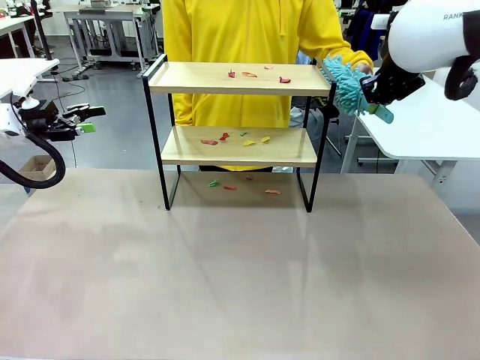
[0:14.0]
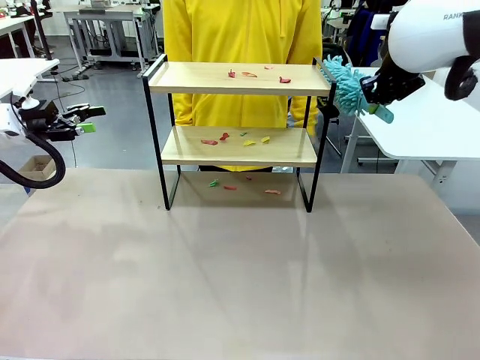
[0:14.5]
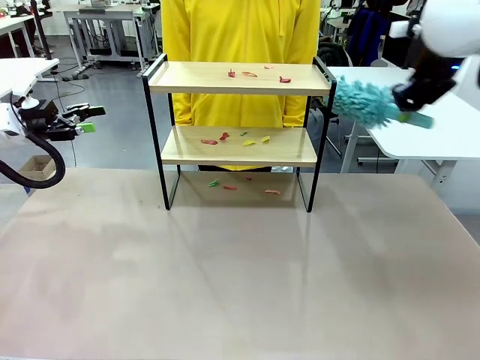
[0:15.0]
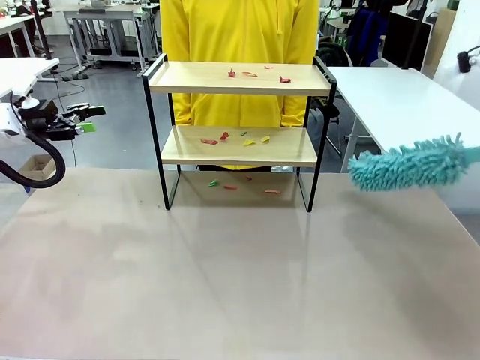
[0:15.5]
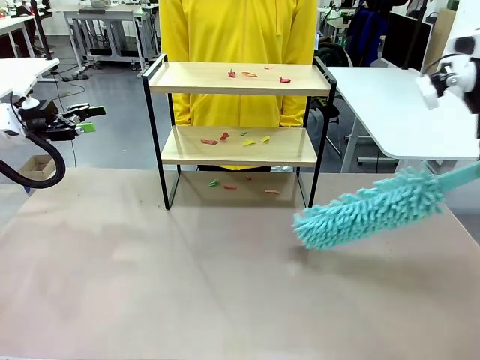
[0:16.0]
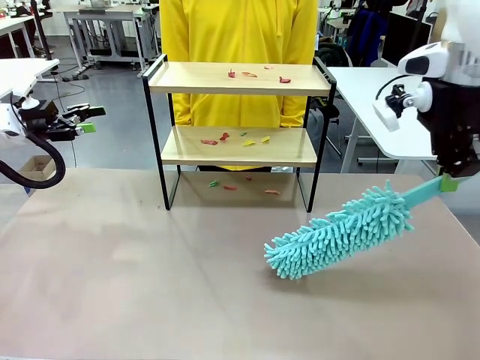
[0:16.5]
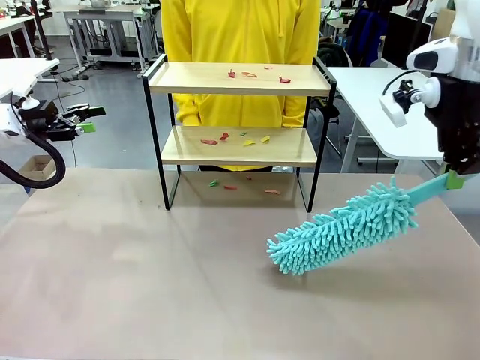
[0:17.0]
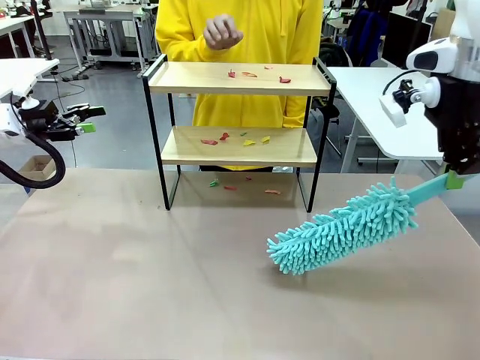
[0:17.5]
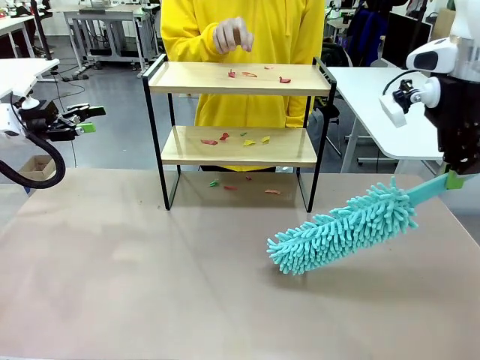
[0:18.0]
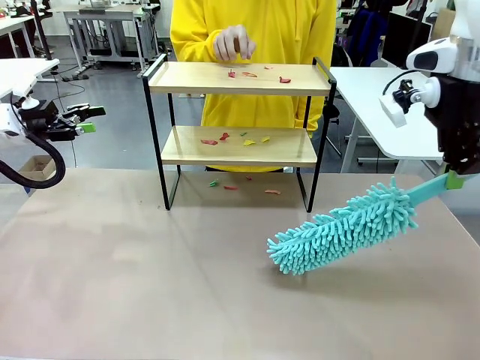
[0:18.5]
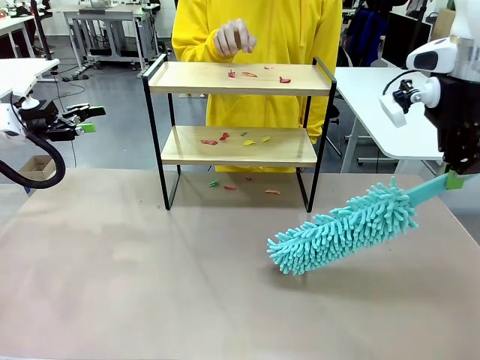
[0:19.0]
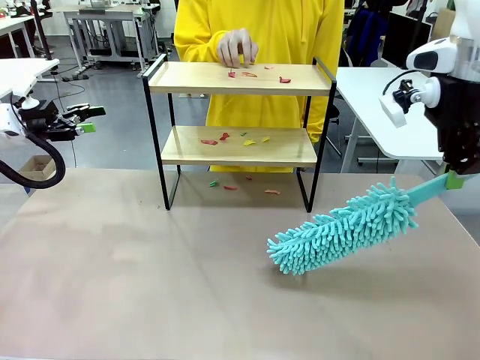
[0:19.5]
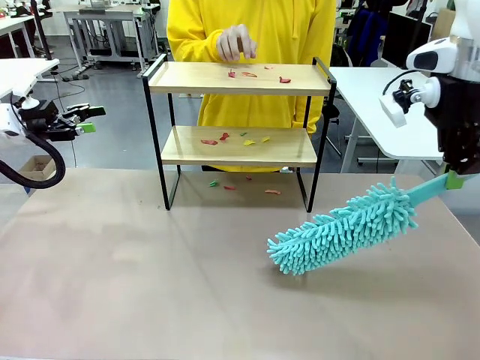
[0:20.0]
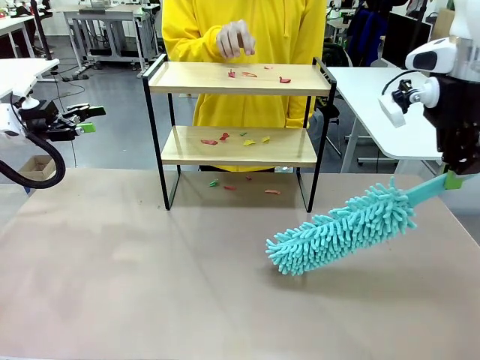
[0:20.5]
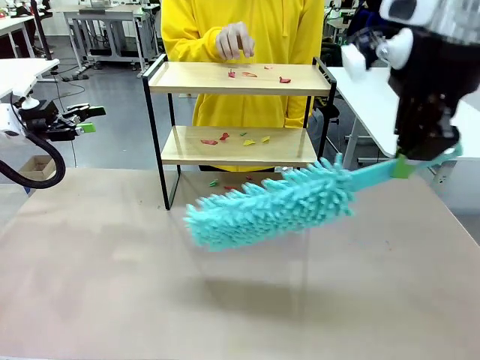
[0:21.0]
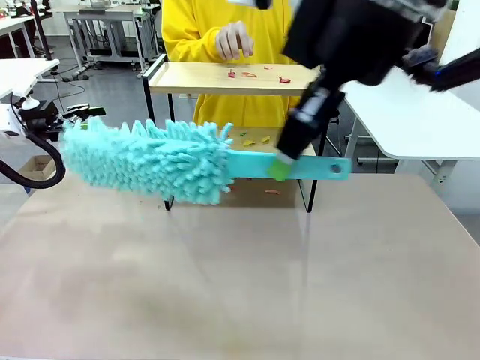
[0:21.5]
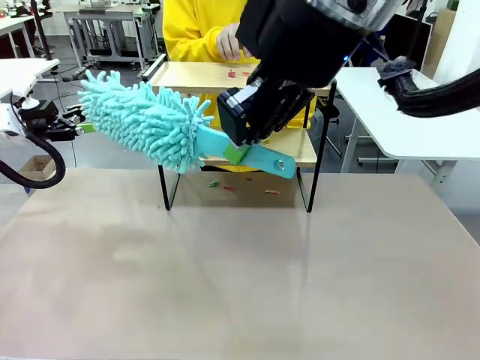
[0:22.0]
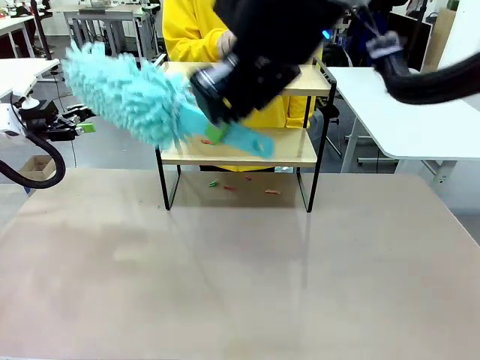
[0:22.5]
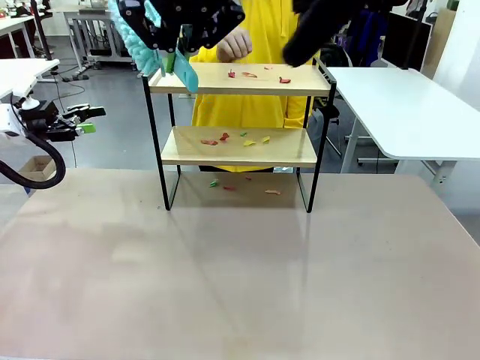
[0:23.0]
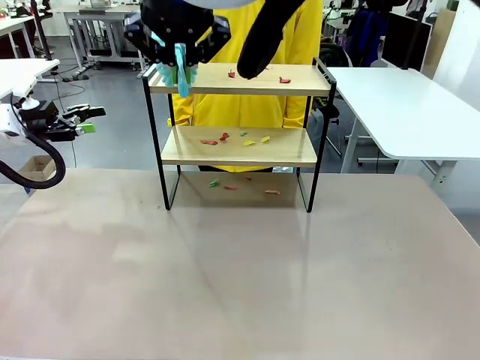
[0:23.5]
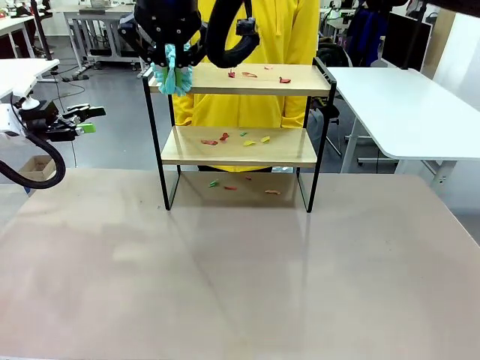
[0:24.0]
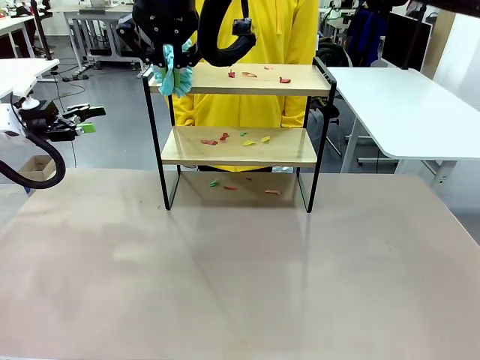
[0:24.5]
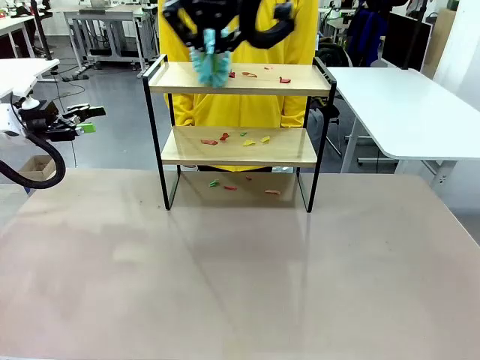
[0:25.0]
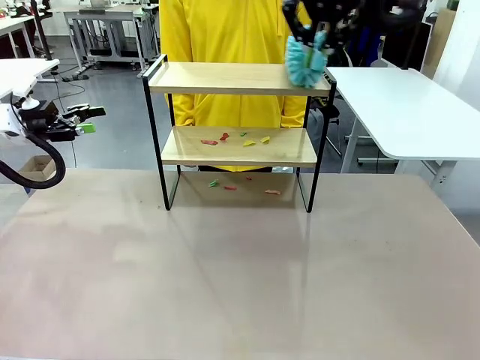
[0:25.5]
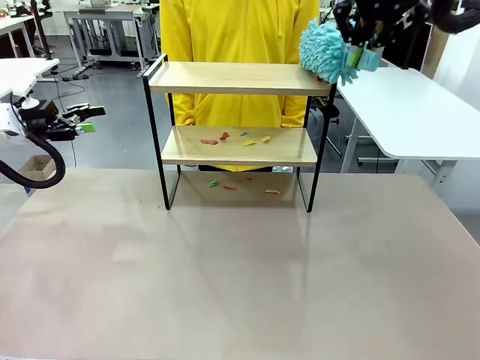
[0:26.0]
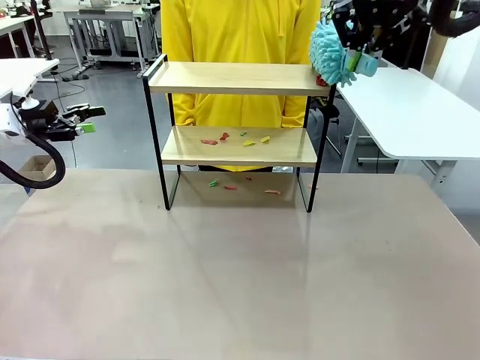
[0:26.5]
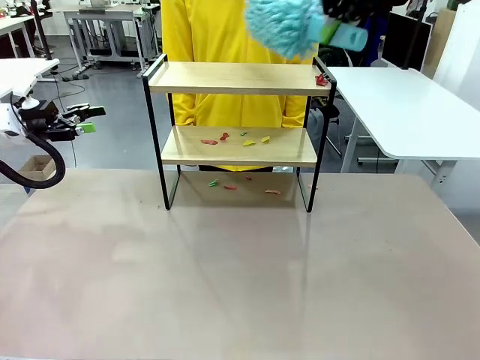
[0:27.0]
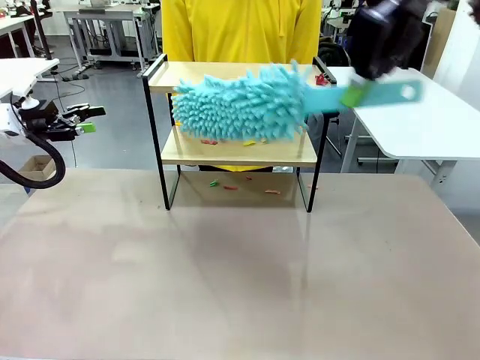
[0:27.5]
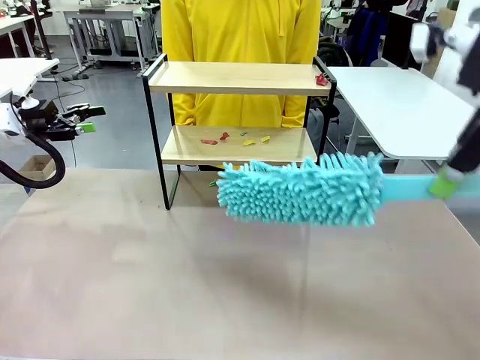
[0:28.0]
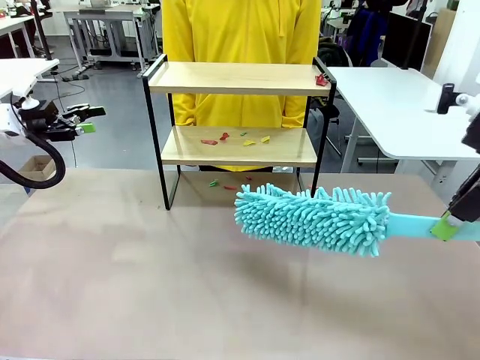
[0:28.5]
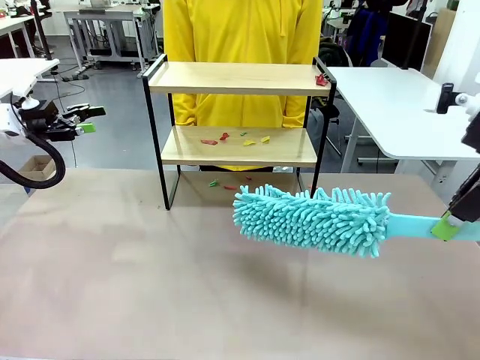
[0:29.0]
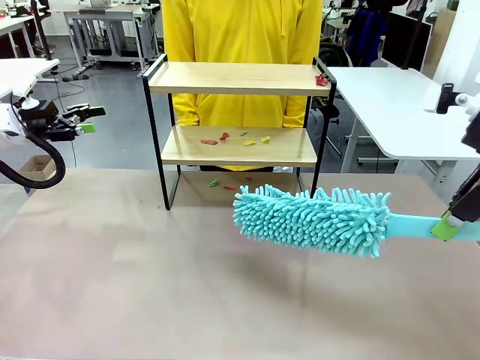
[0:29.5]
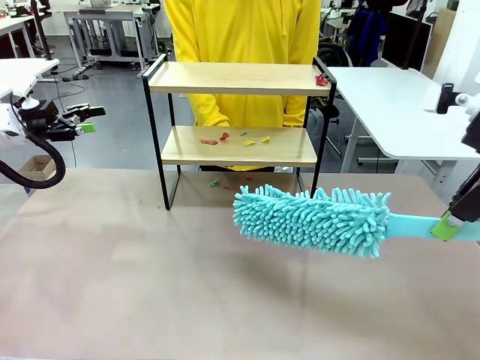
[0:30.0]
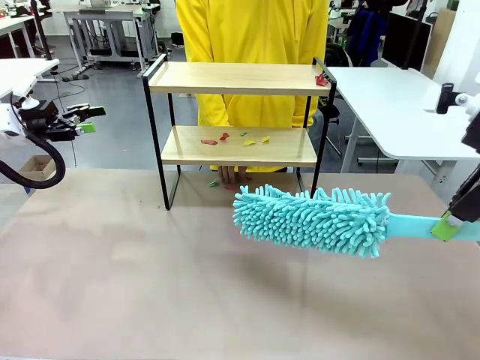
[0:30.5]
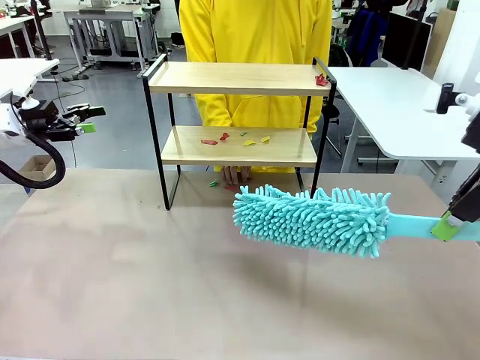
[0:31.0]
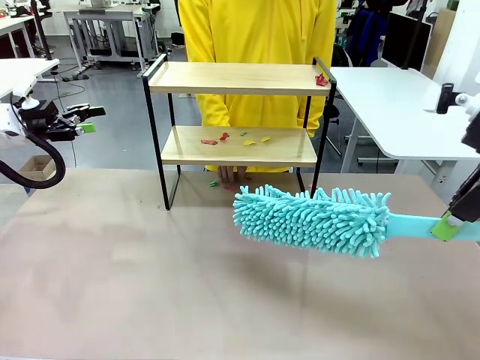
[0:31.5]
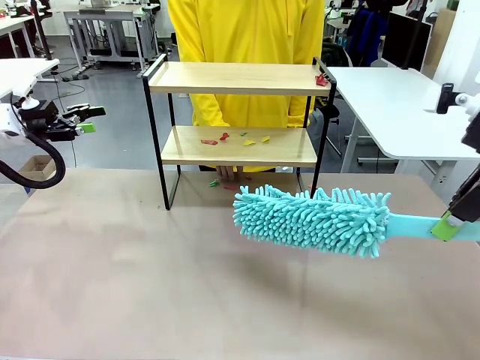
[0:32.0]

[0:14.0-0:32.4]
Task: Clean the shelf.
Robot: Clean the specific section of the Shelf indicated by the human with the Duster.
Person: Point a random section of the Shelf.
